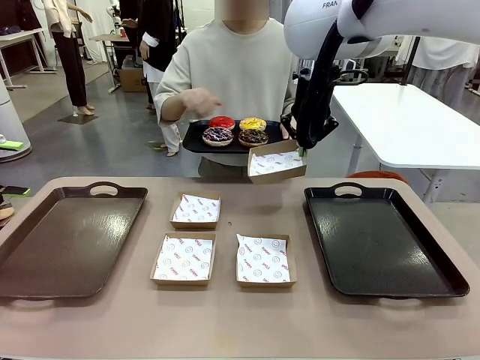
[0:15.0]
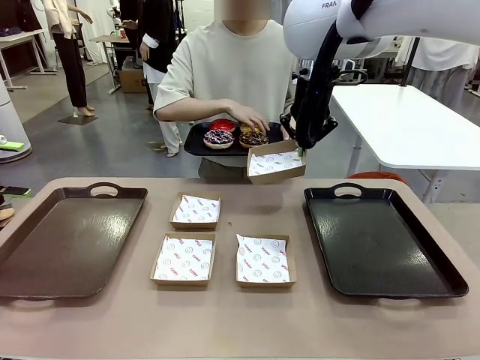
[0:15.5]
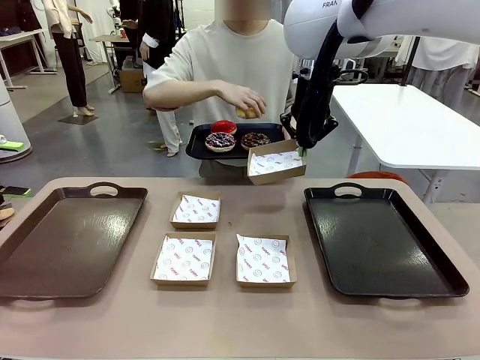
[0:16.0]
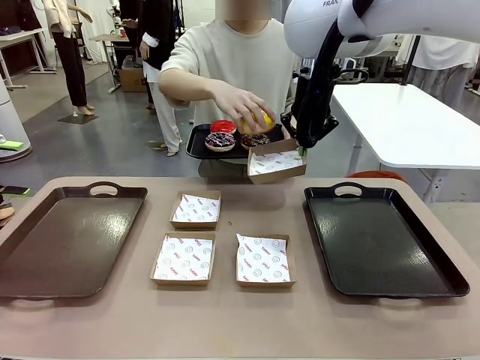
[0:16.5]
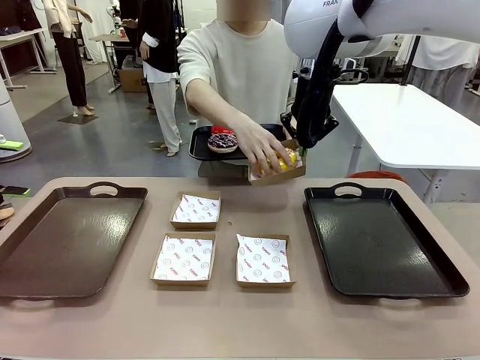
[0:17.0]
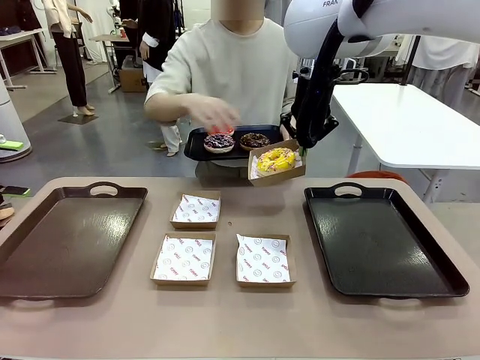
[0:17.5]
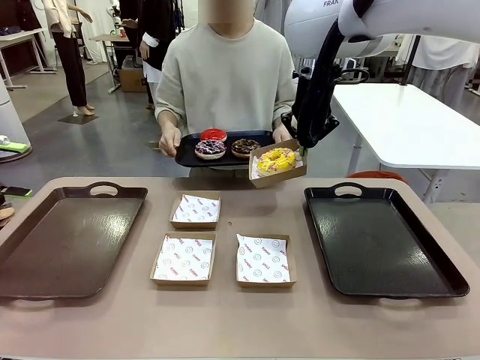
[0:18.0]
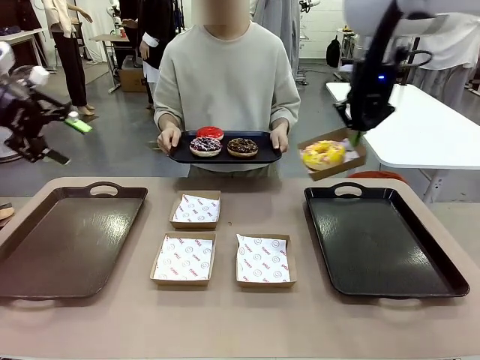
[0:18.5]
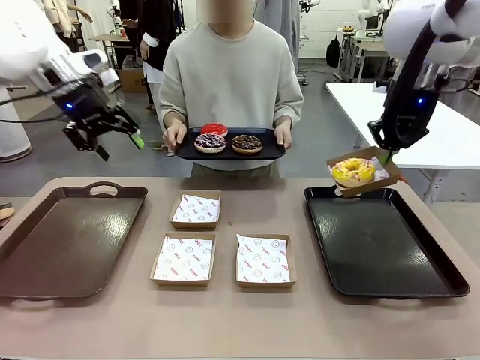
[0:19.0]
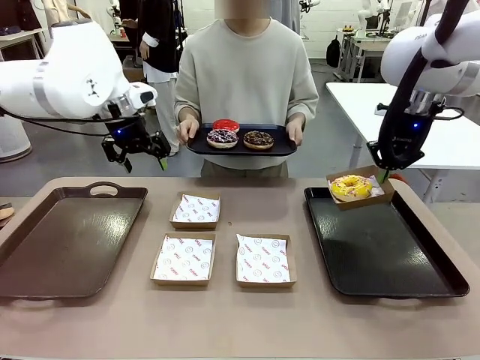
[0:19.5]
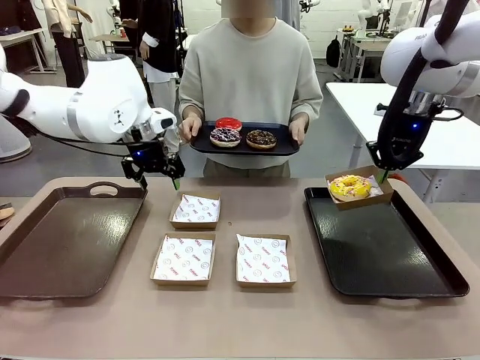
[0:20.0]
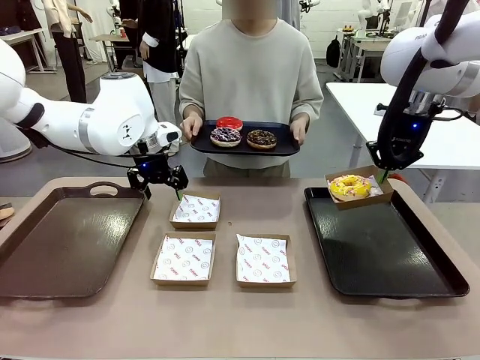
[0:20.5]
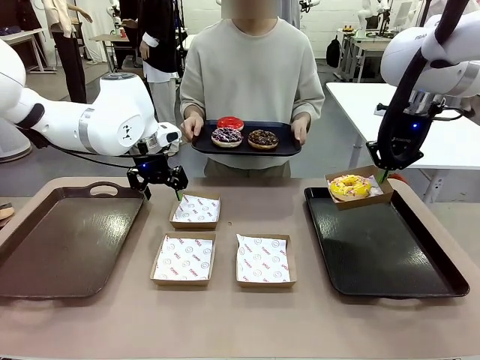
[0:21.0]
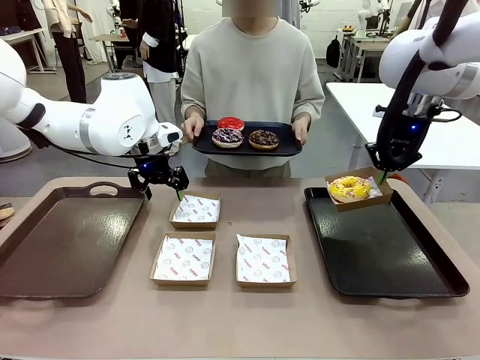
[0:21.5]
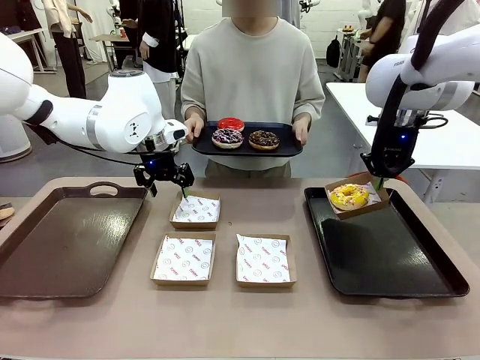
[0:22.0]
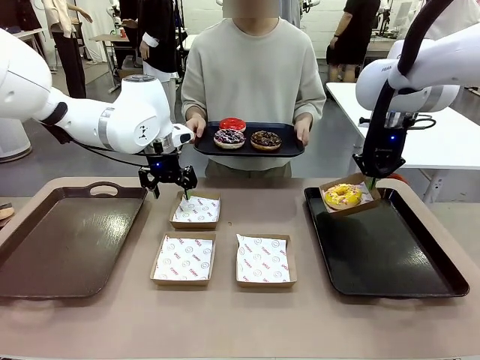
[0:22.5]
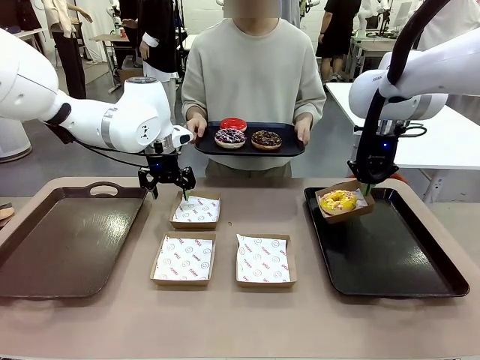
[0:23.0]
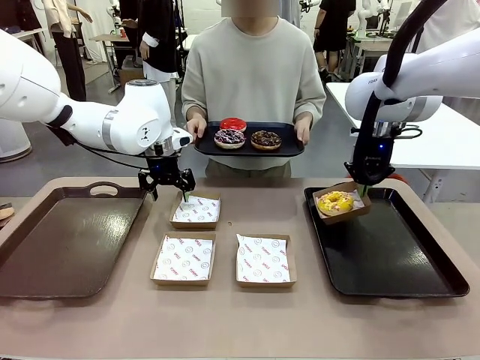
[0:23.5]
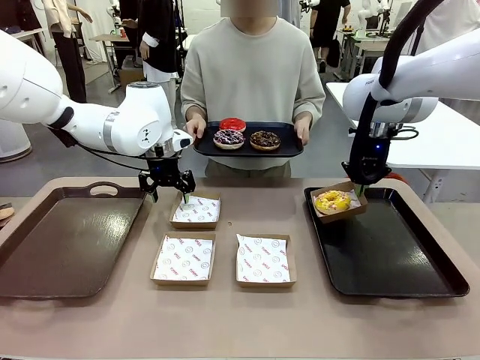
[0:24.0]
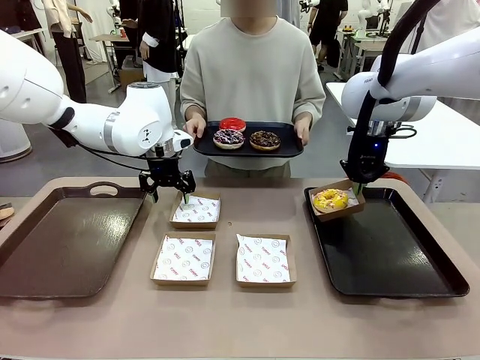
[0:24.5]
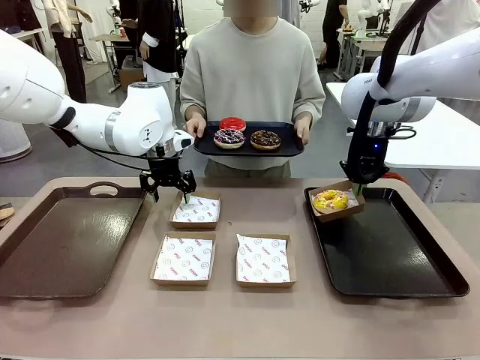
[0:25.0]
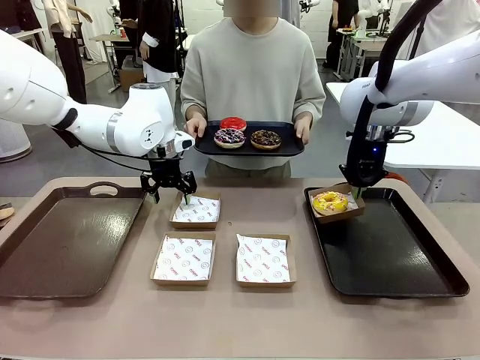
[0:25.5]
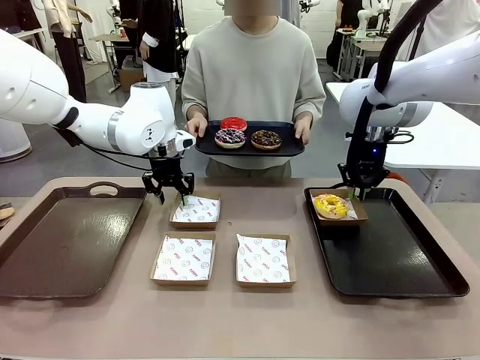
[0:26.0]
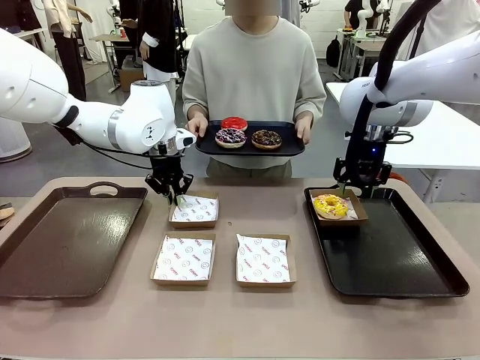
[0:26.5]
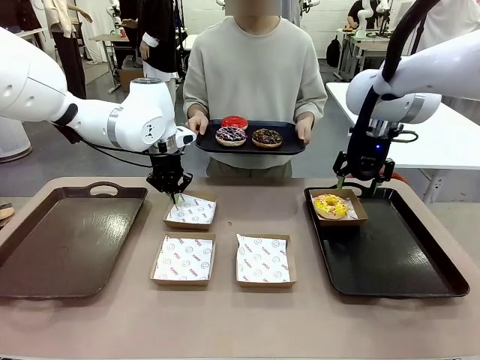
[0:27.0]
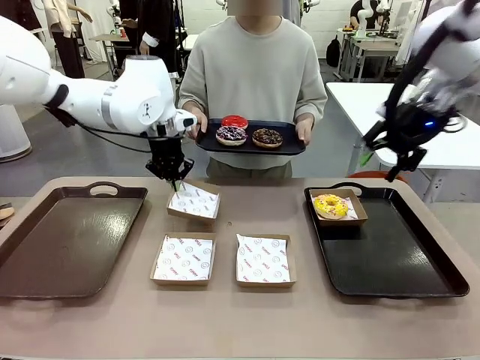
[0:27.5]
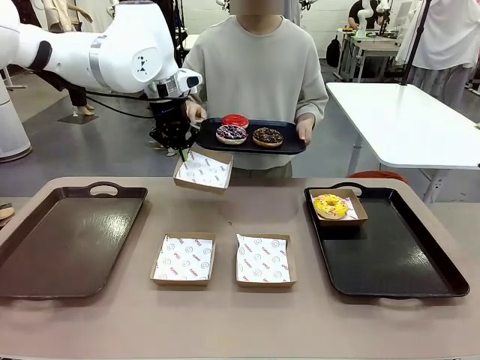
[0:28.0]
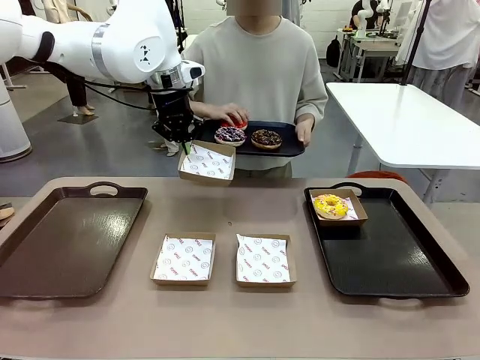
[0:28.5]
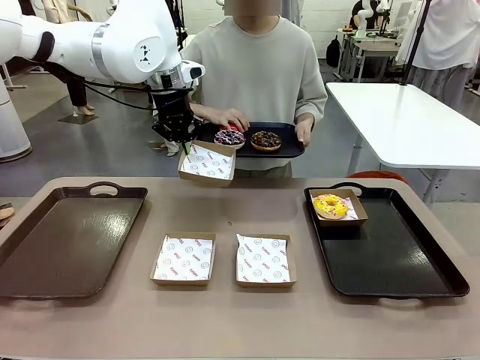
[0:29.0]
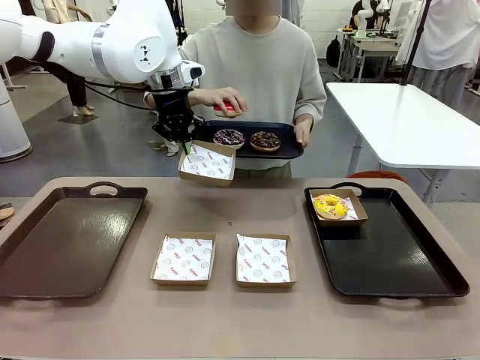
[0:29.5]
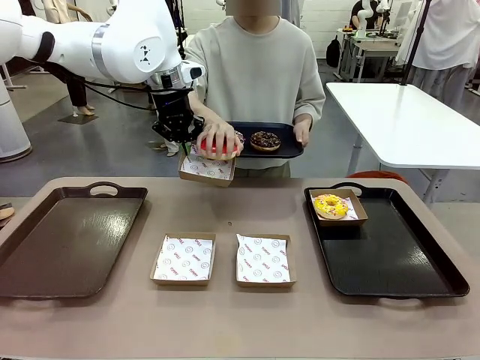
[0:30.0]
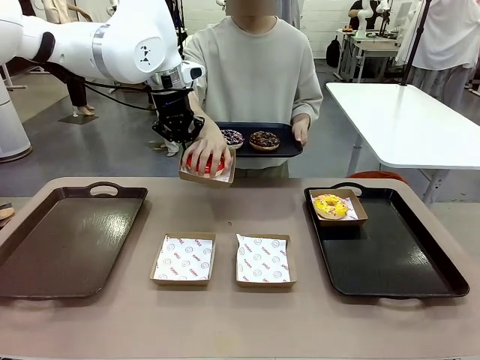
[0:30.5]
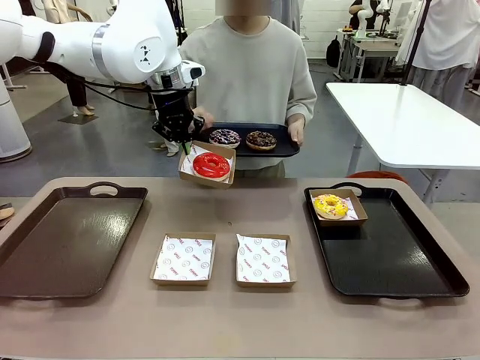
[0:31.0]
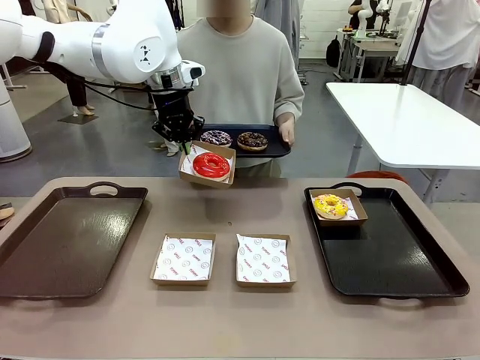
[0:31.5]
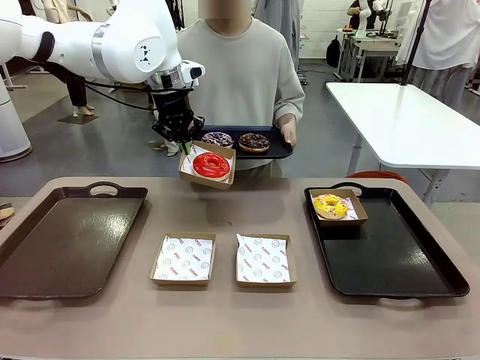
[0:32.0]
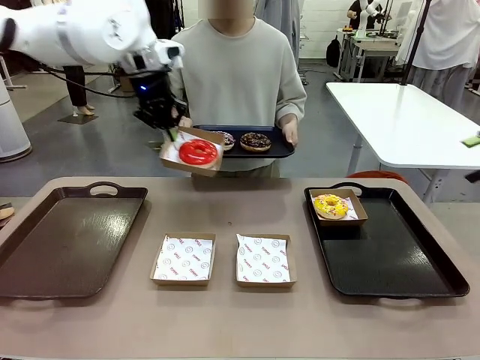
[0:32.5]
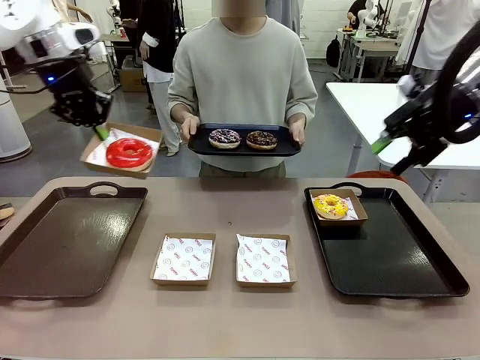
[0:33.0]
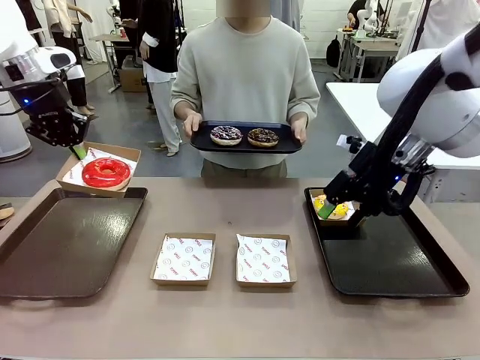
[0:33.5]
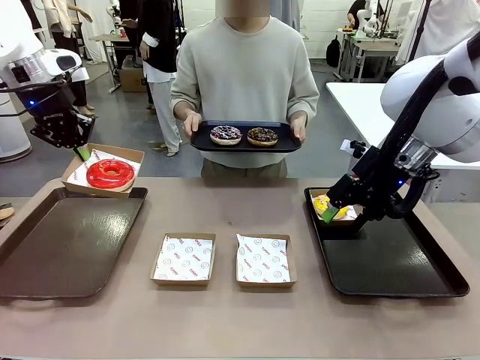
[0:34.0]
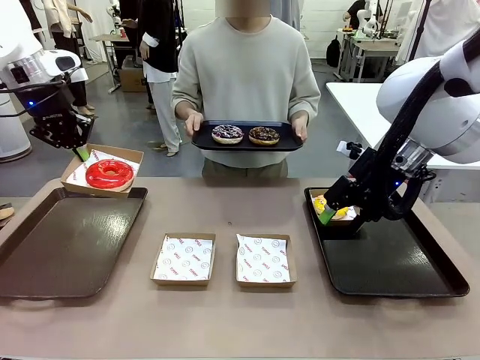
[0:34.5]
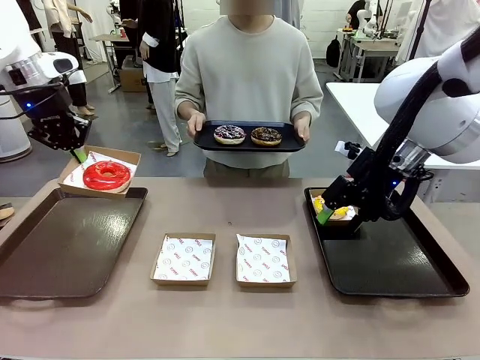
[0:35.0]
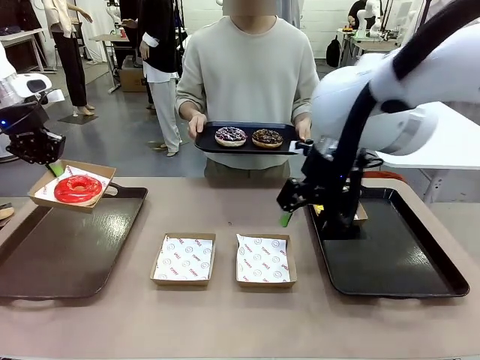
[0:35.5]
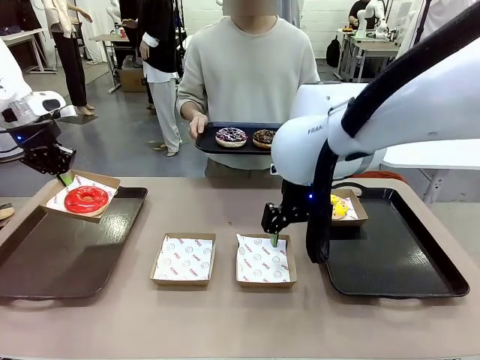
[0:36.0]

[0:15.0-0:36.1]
Task: Individually package the donuts and arrange them on the tray.
Robot: Place the picked Paper togo box on the Handle tray while simultaneously picking up another Paper togo box from the table with the other hand.

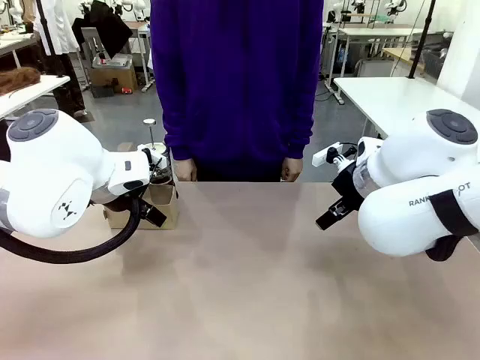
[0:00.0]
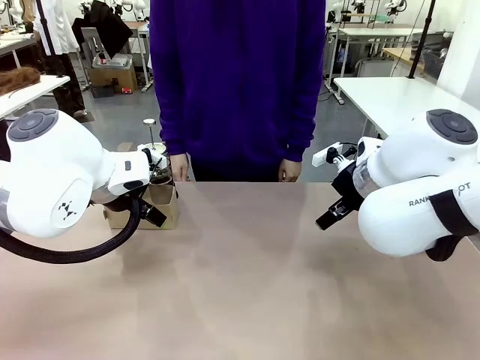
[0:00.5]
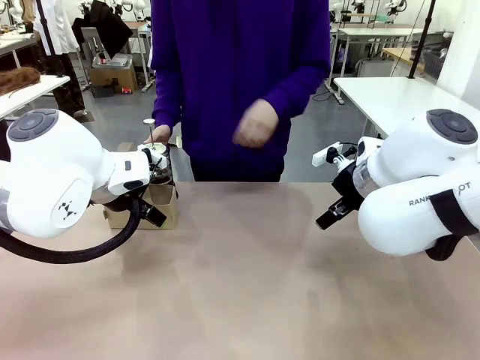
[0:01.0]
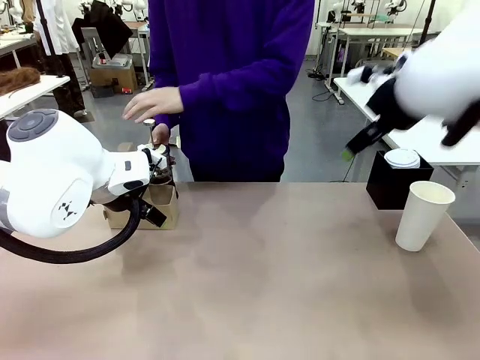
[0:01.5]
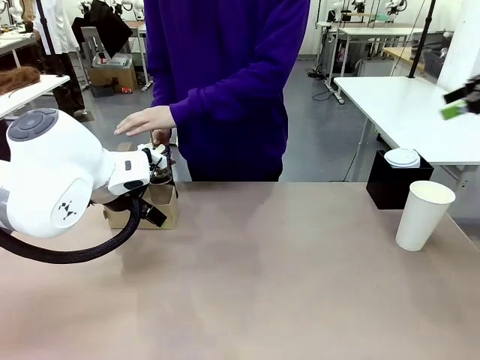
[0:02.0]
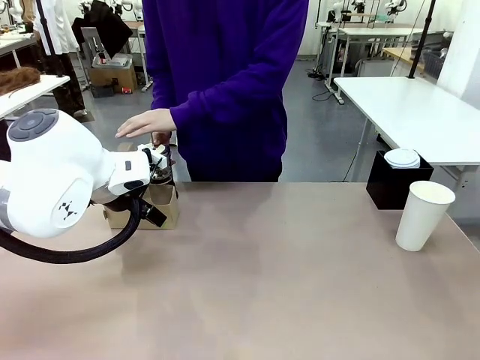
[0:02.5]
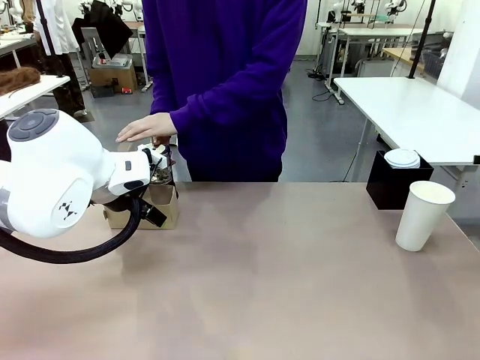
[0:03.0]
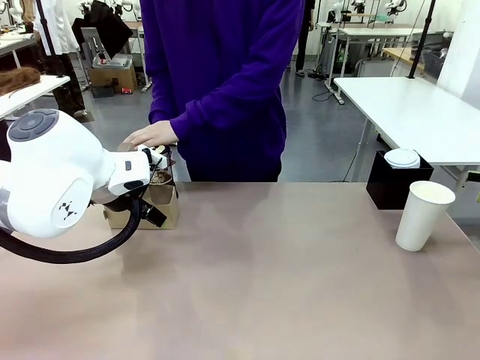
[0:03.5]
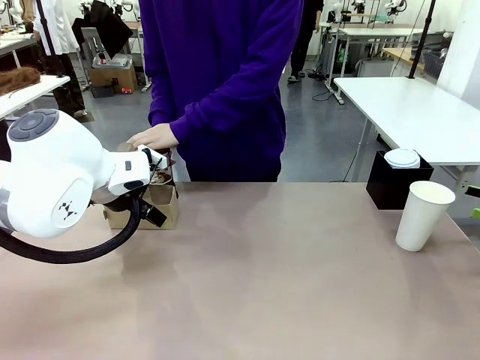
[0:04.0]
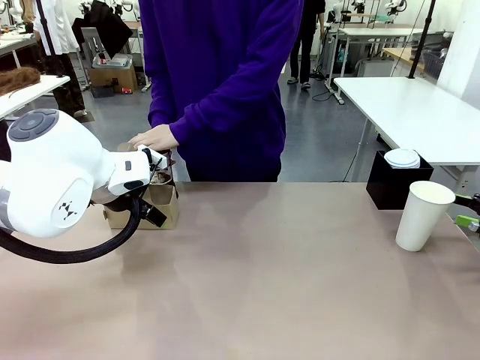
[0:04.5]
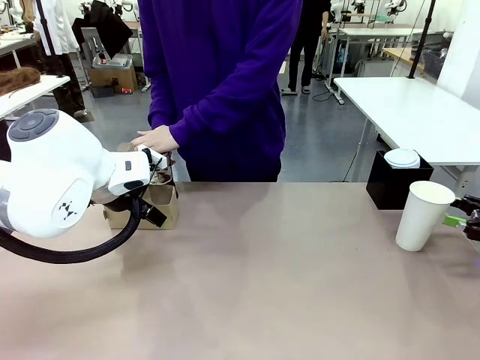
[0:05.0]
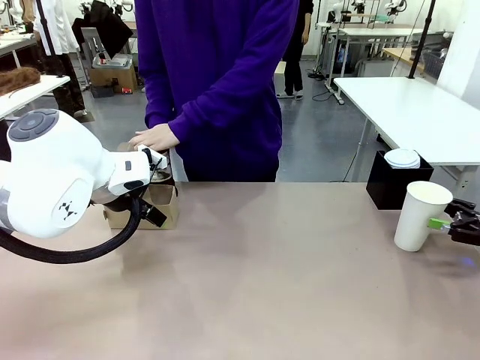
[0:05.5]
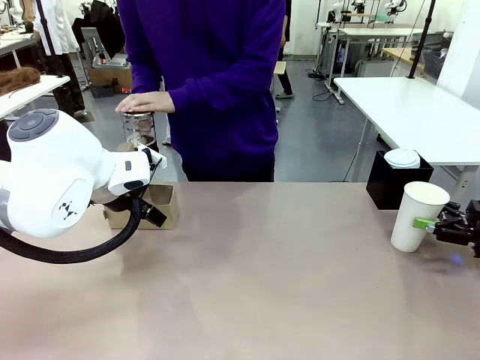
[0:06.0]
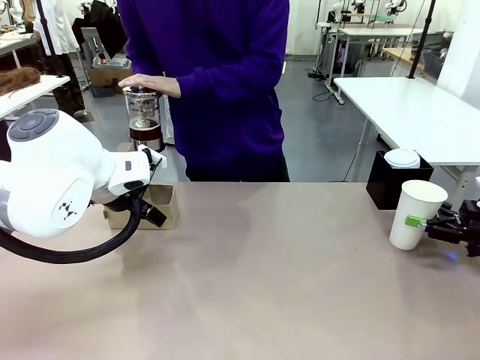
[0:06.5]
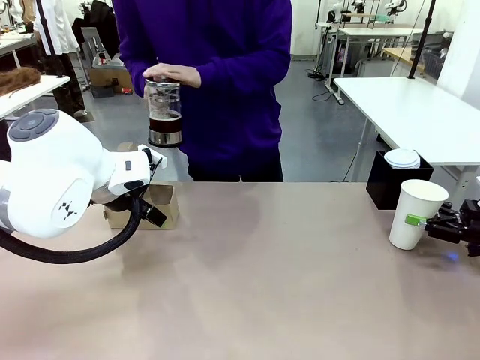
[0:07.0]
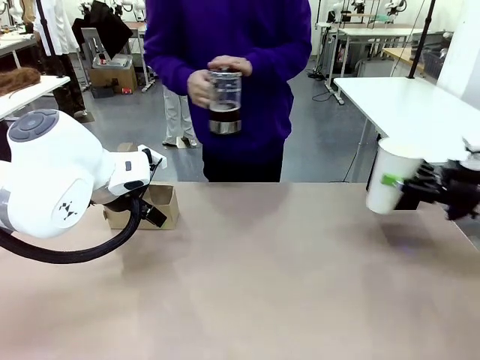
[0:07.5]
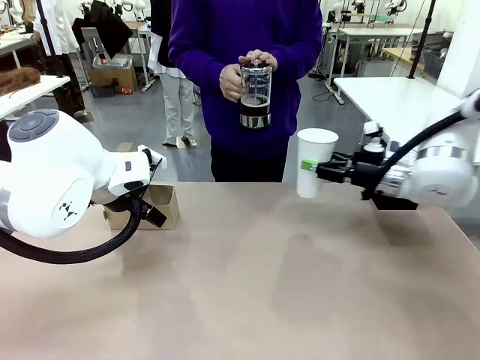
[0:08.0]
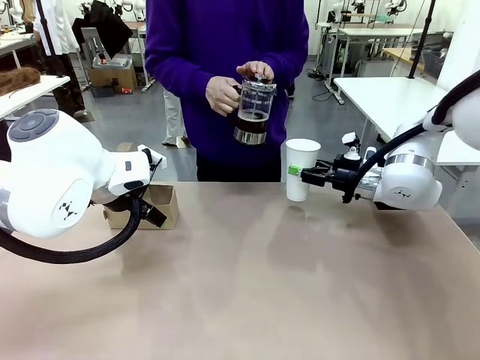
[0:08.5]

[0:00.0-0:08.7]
Task: Pour a drink into a cup and package it in a carrier.
Robot: Pick up the 600 ml Paper Cup and place it in the middle top area of the table.
Person: Press and pick up the Filter Brewing.
